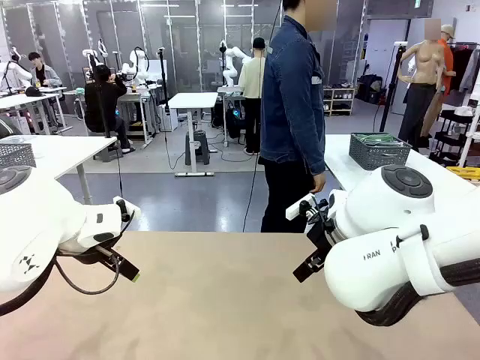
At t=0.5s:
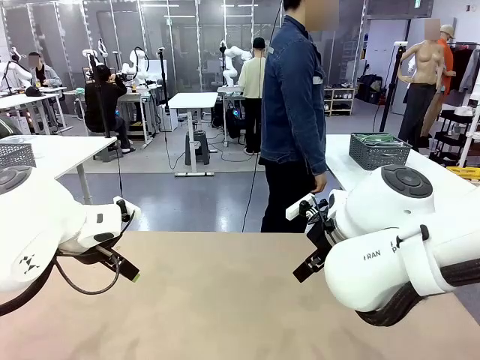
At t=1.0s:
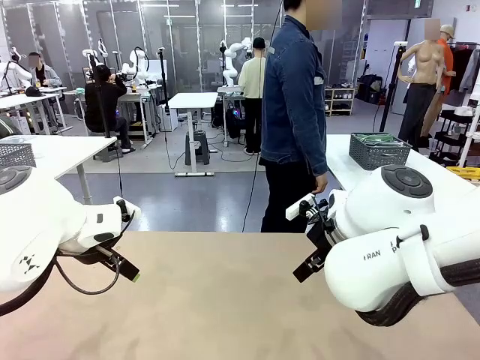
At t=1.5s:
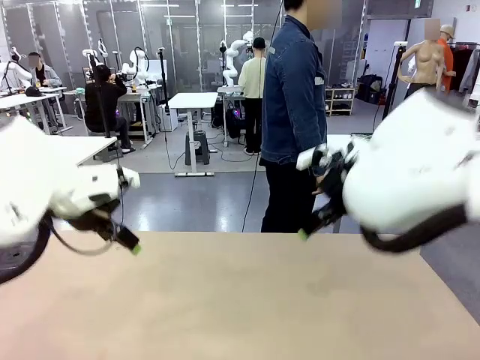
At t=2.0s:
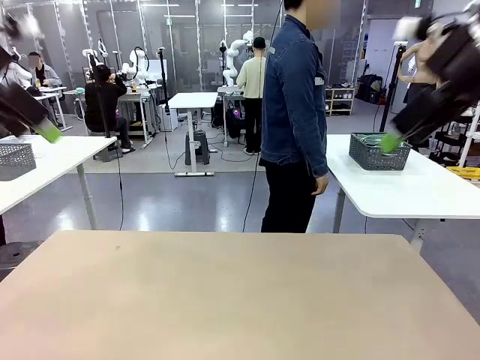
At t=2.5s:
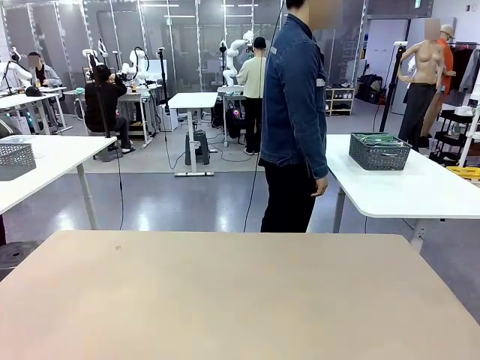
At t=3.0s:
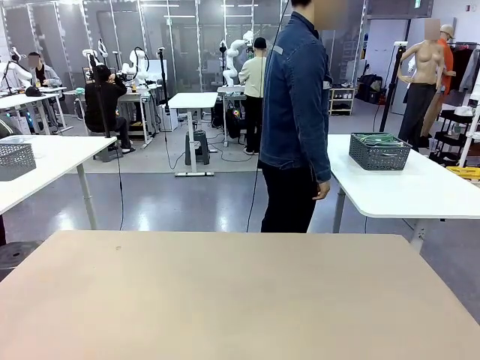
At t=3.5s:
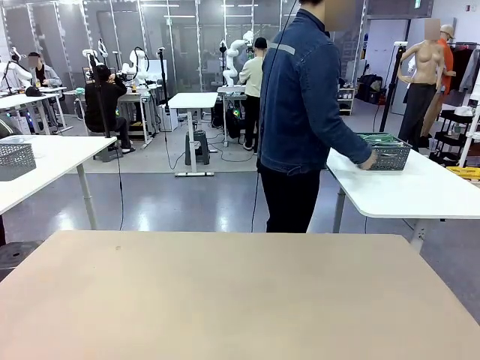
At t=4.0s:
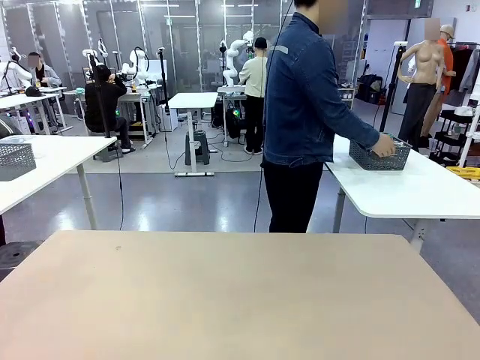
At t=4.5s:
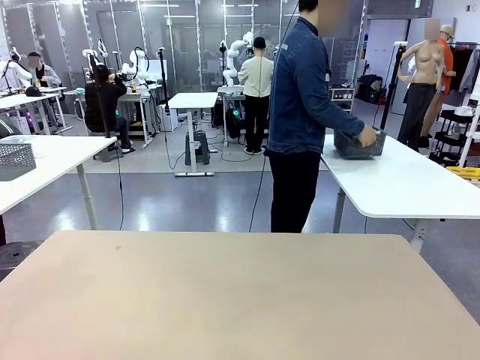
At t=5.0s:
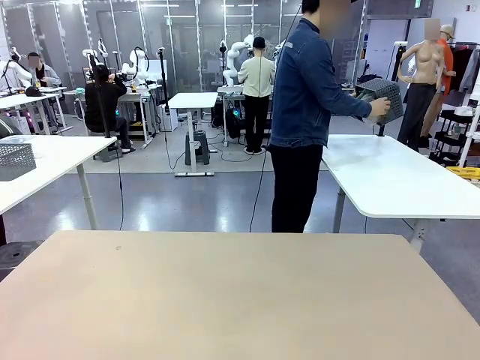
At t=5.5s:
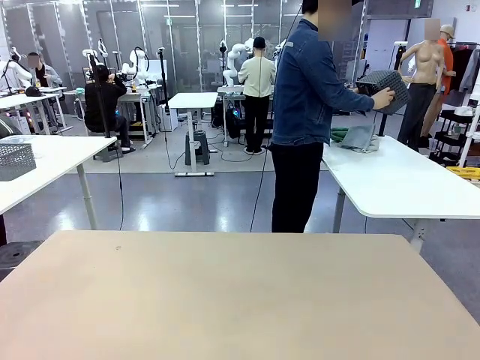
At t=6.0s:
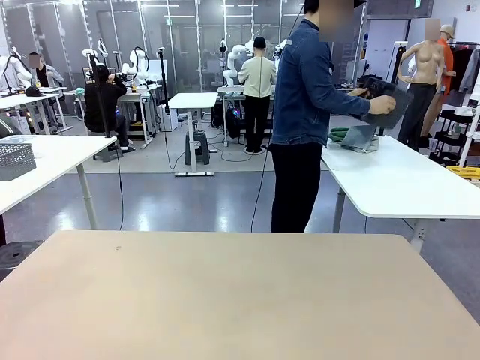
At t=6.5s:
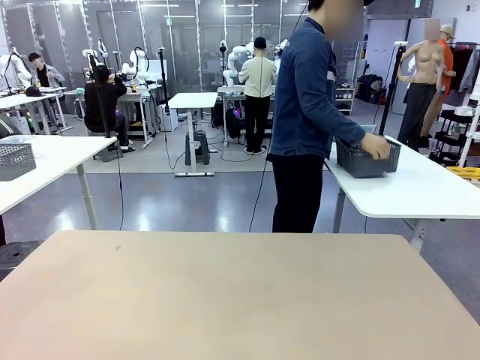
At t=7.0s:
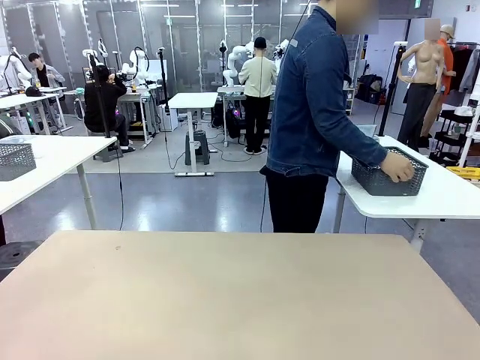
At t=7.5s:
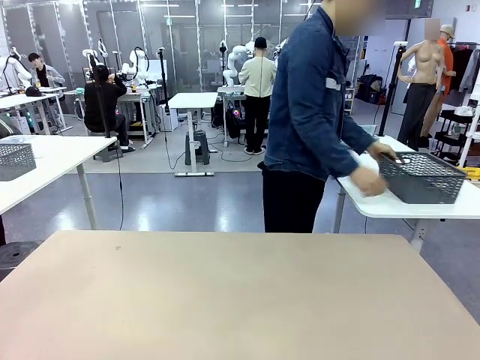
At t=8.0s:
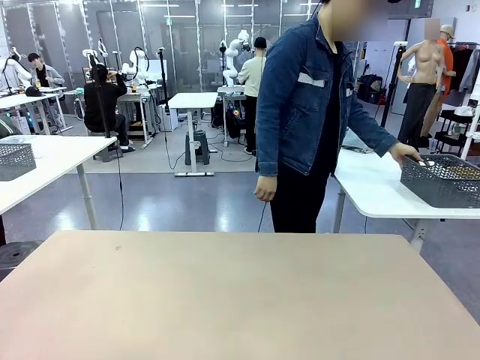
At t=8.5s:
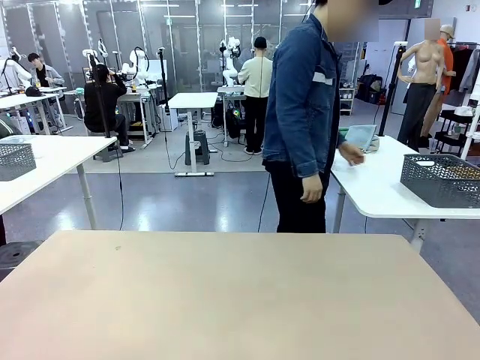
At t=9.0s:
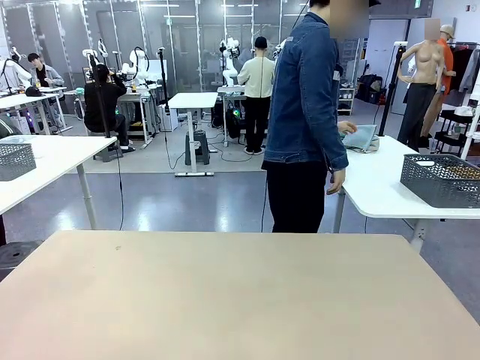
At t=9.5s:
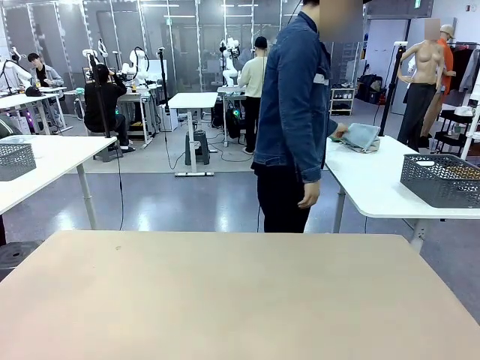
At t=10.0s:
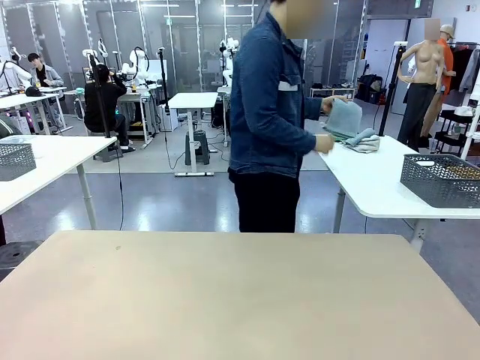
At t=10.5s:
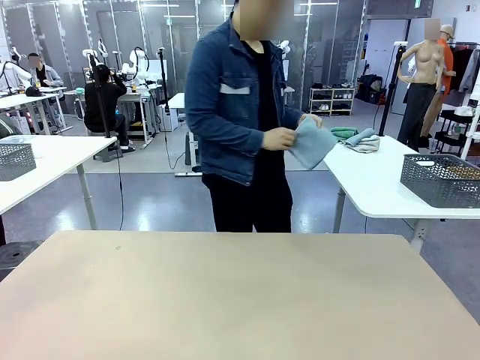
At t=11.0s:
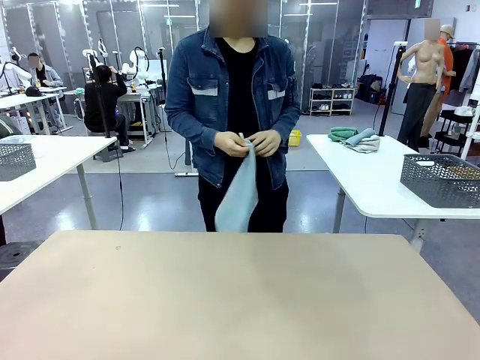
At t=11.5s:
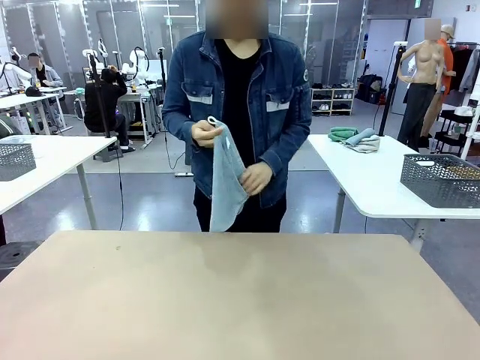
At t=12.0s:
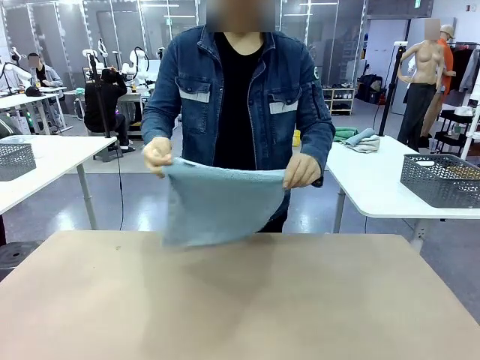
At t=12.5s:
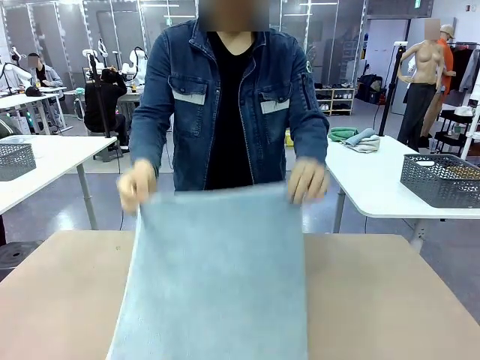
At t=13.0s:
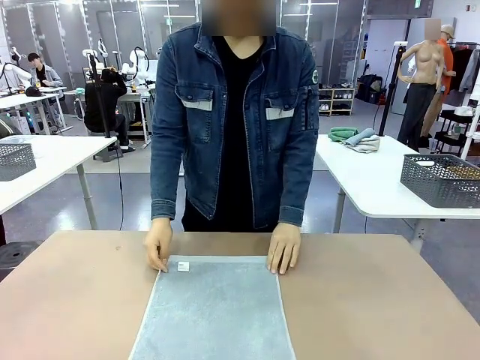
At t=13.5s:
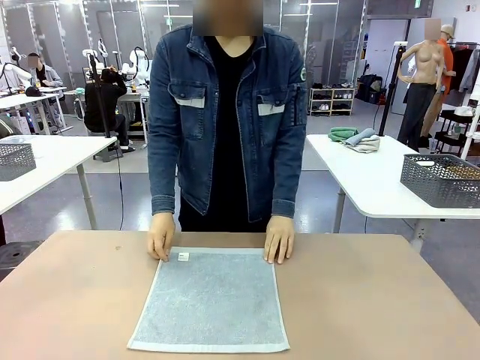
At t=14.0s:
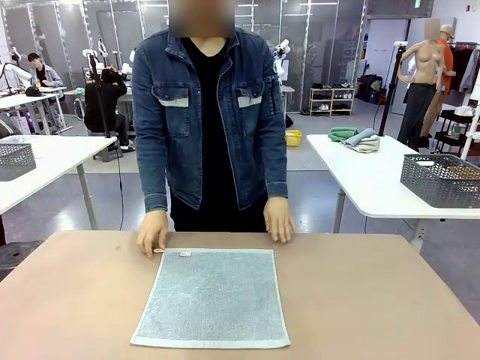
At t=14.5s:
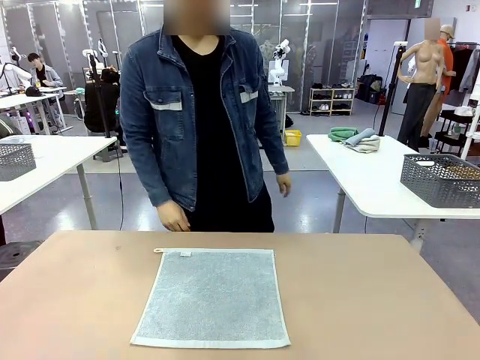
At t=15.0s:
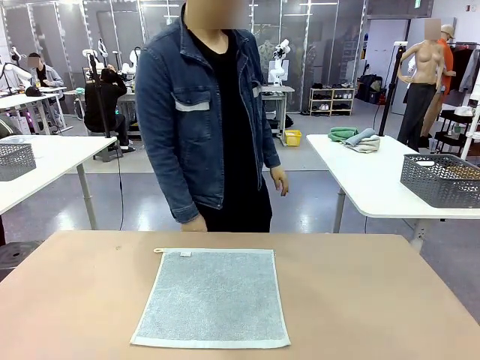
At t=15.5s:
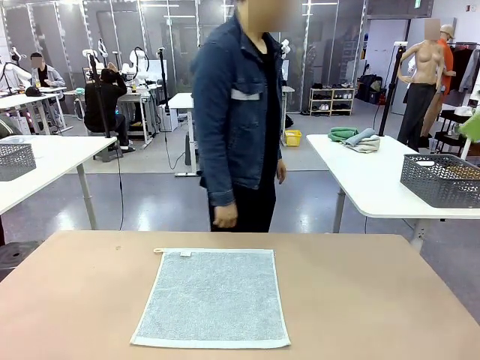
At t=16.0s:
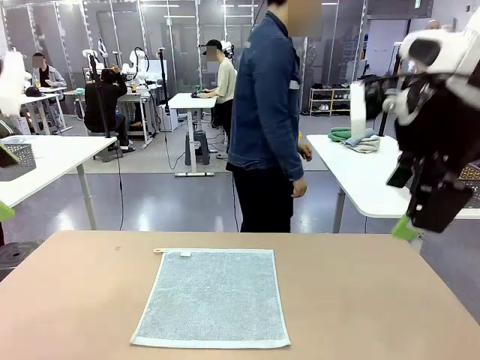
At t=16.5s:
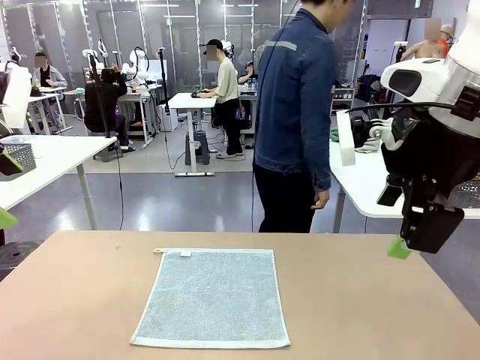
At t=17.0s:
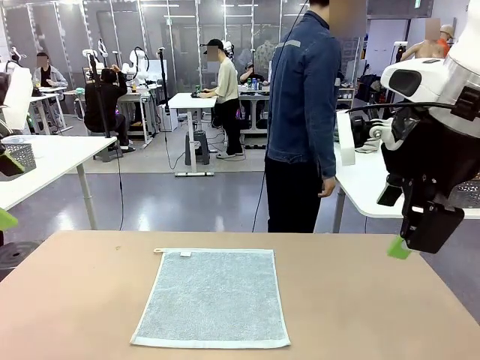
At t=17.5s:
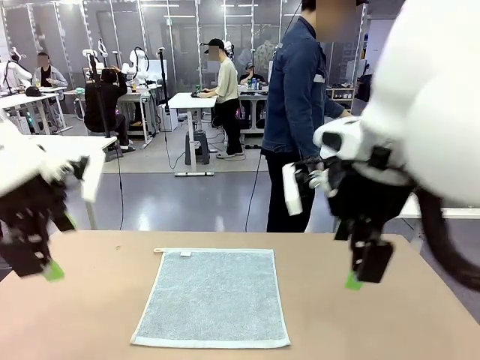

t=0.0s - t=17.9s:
Task: Fold the towels and place them in the basket.
Robot: When a person lays out a Towel with hook on the table, fold it in half twice.
Person: Pick up the basket, pour the towels onto the left side of the human table, and place the basket on the right side. Pick up one towel and spread it out at the center of the robot table.
